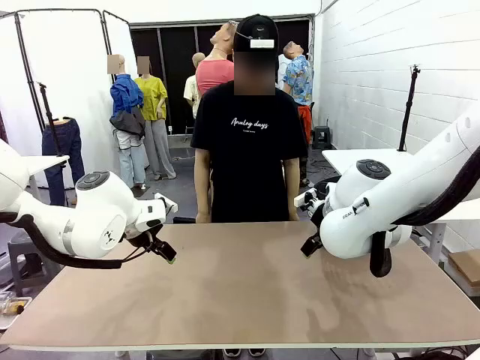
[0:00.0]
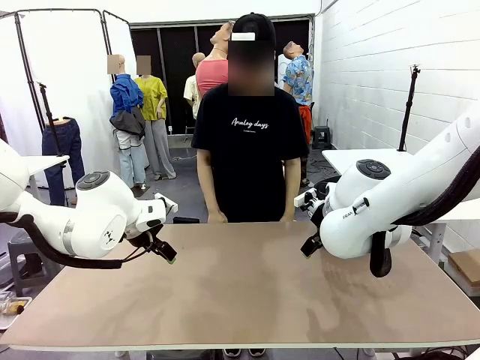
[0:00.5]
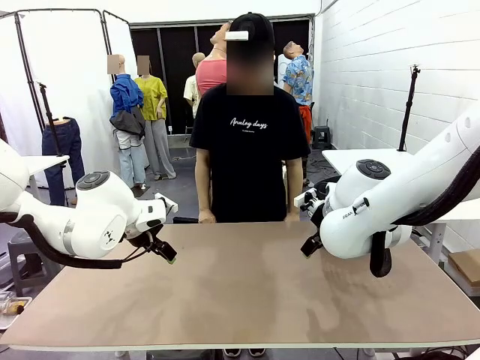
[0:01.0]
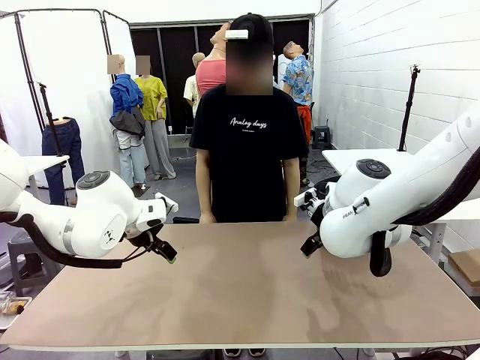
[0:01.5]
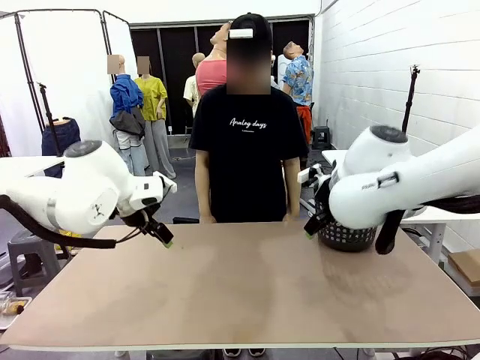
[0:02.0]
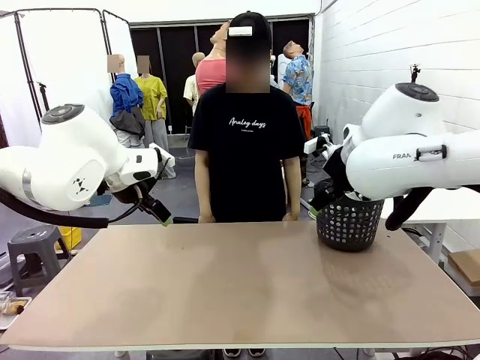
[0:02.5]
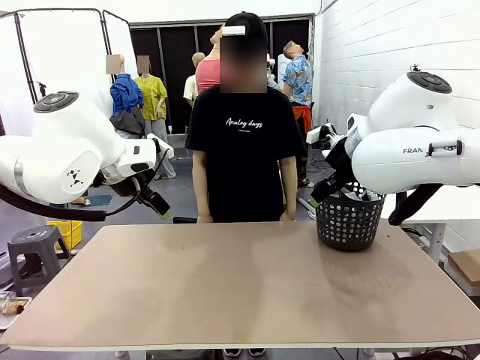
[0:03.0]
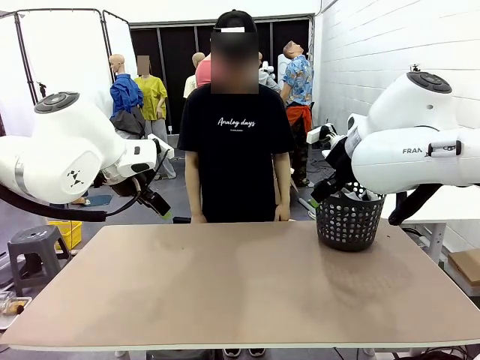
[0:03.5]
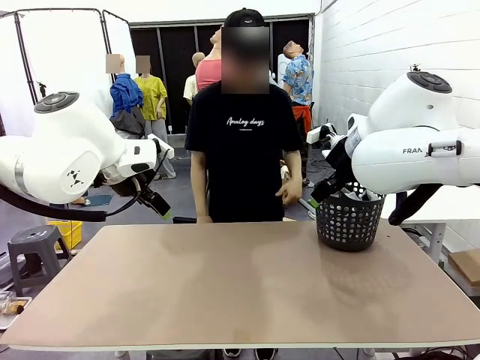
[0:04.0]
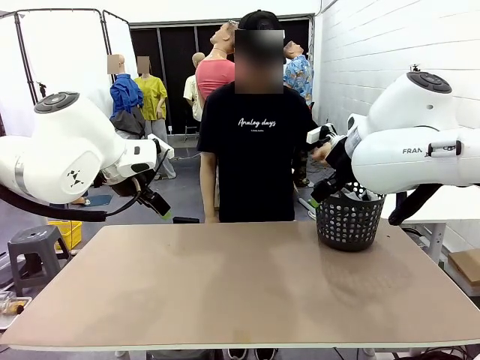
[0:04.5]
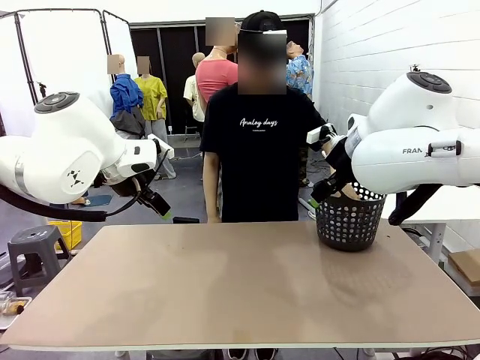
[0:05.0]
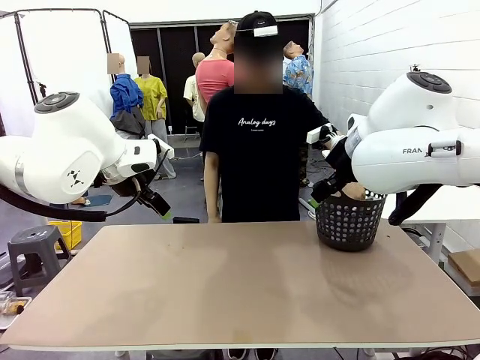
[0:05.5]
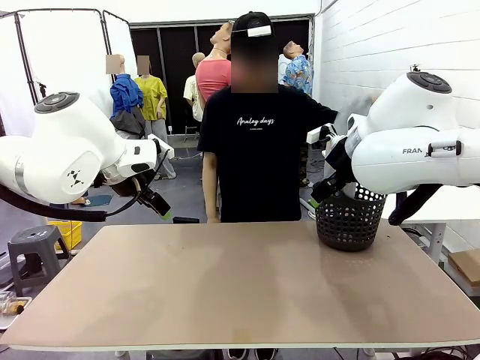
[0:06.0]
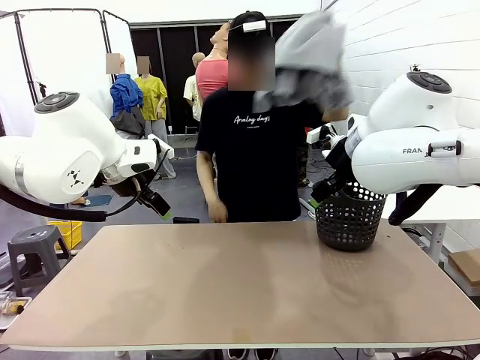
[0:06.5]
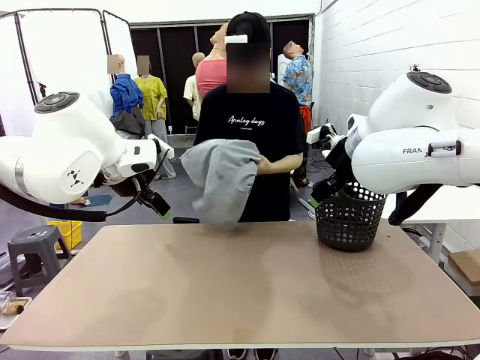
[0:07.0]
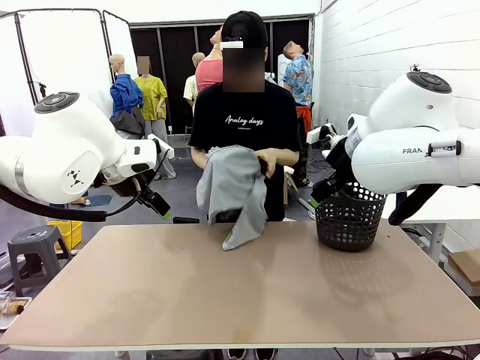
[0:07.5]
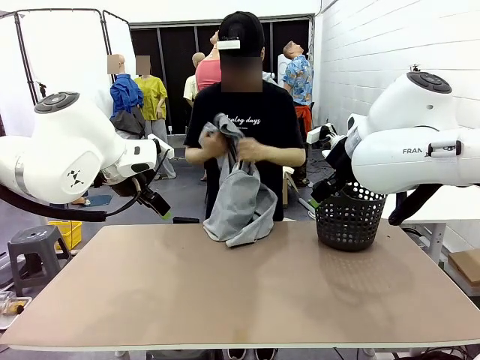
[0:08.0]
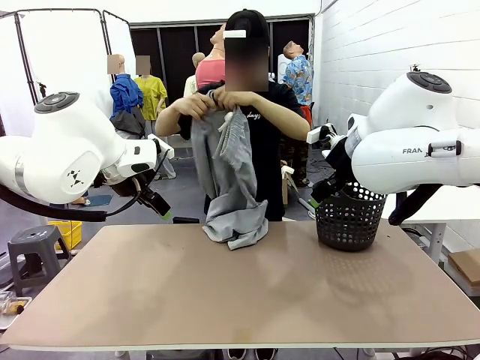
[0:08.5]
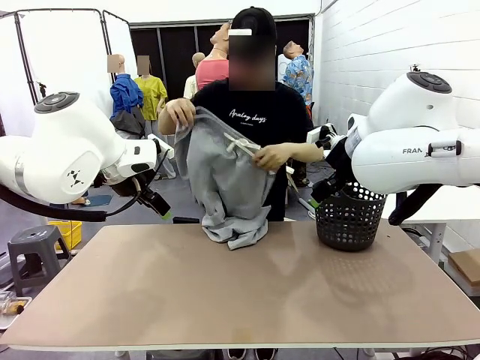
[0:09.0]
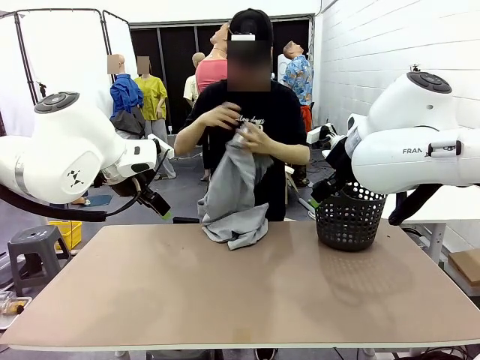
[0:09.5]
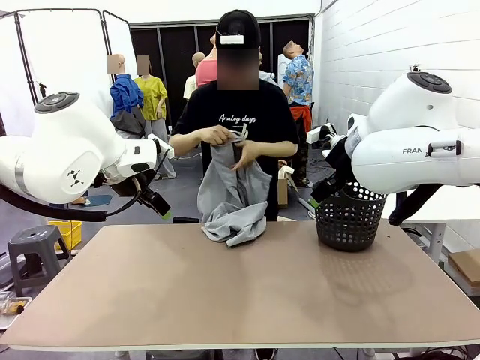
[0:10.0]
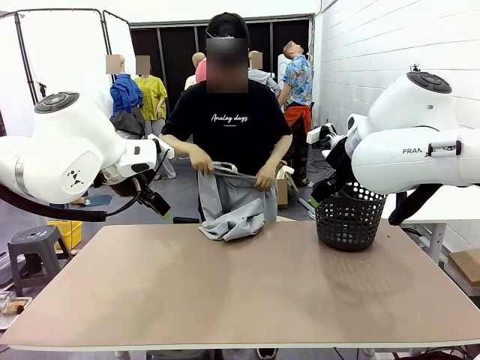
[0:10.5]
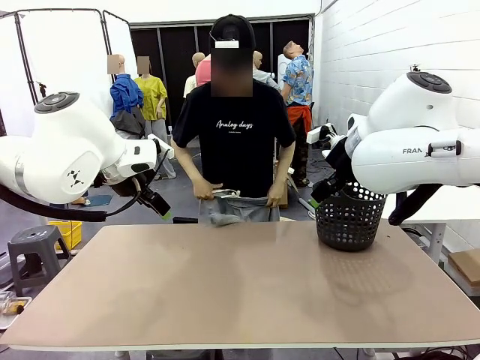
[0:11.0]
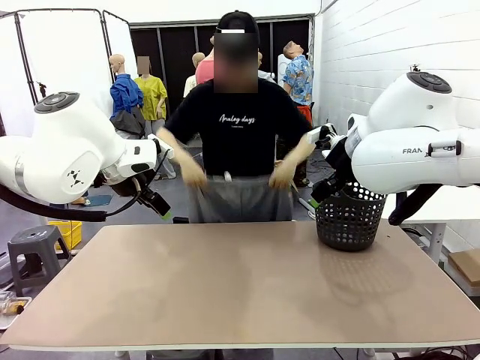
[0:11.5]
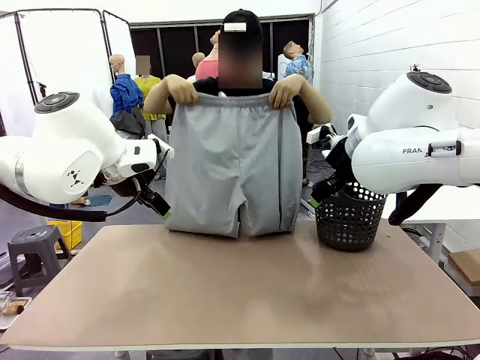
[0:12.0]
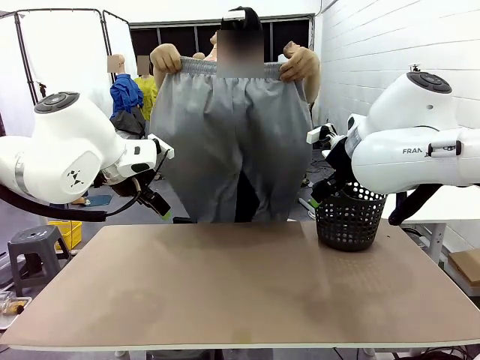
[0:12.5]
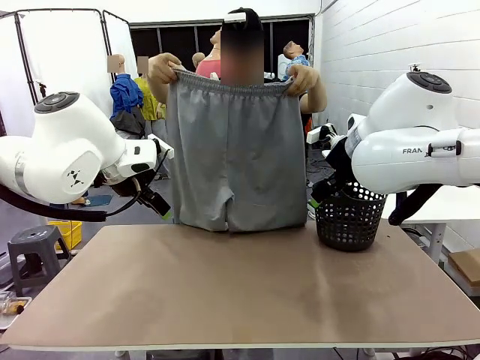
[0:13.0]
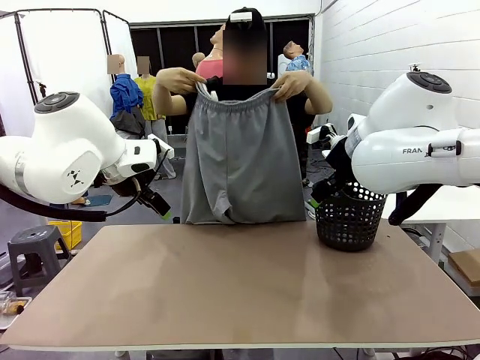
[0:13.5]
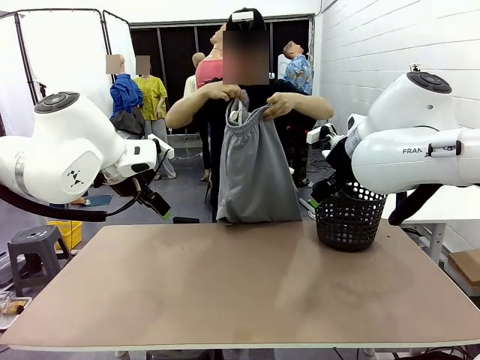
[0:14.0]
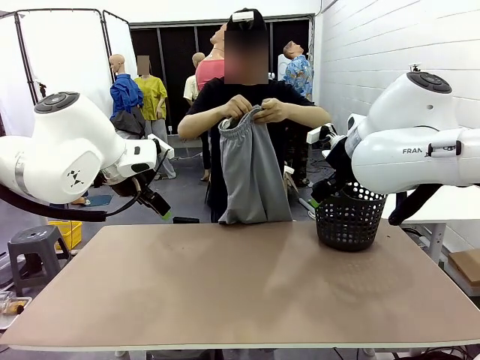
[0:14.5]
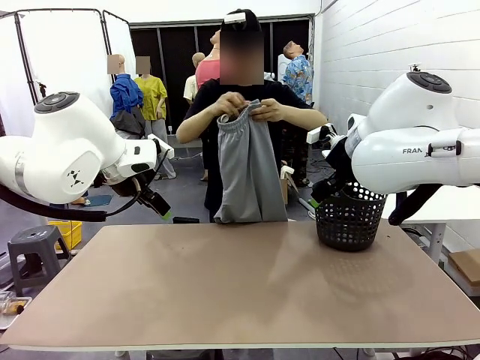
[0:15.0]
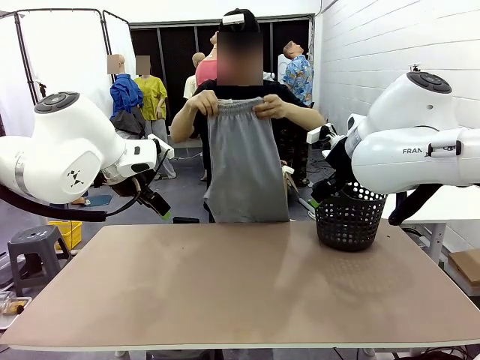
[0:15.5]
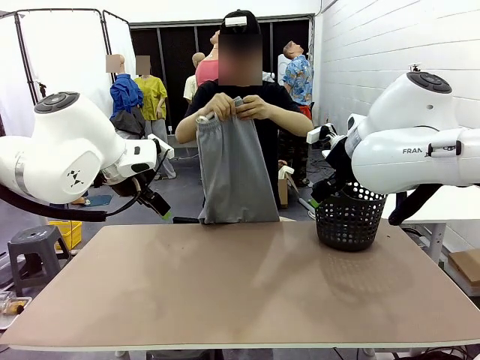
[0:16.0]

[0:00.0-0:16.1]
Task: Fold the training pants.
Robot: Grab both ends of the Training pants handed by a person.
Person: Take the long pants out of the laundry basket, unfold them, fold the waist in half, and extend them so the robot can pick up both corners.
